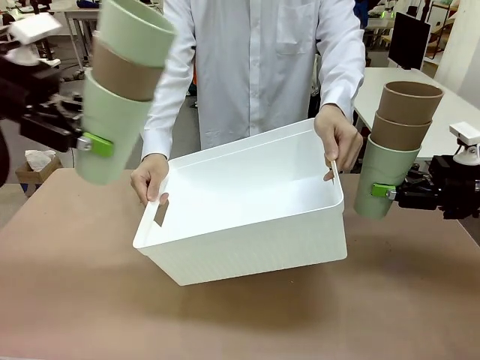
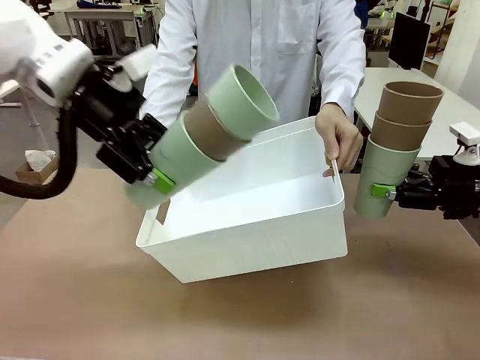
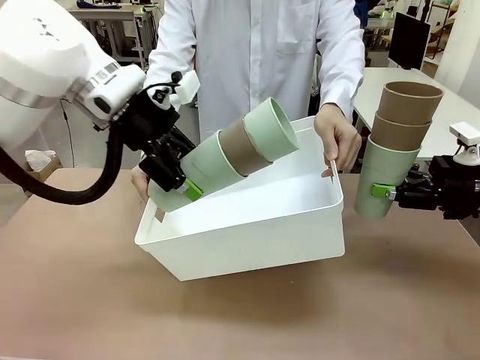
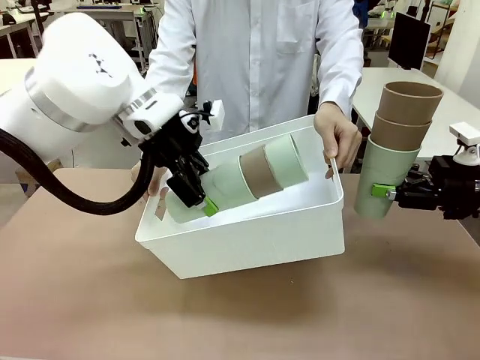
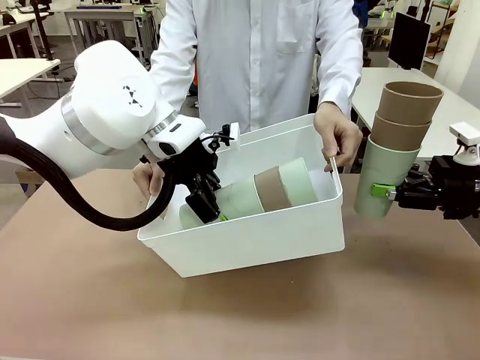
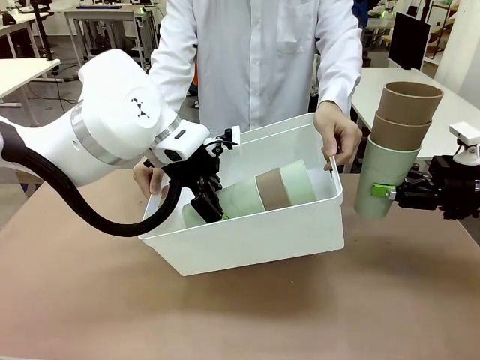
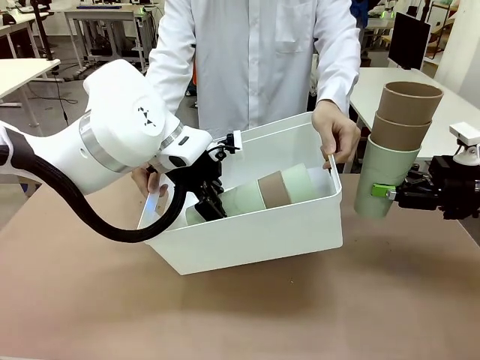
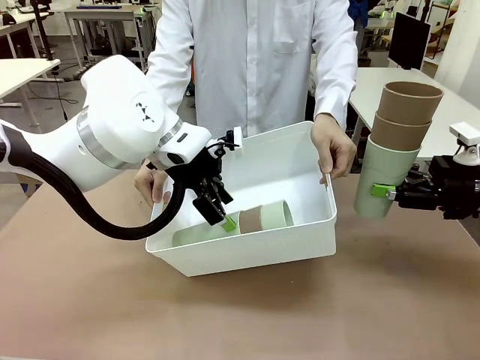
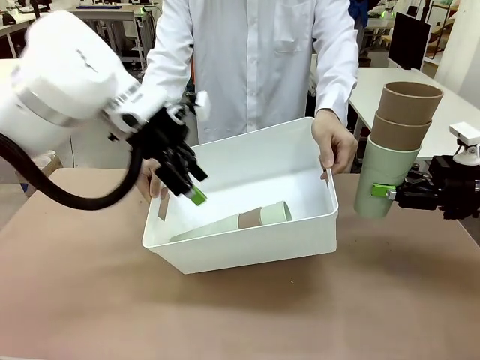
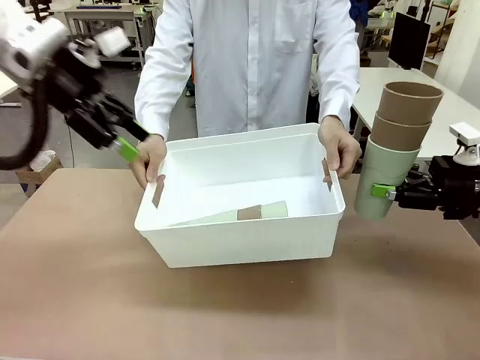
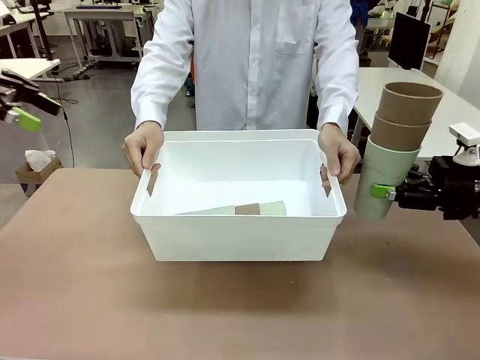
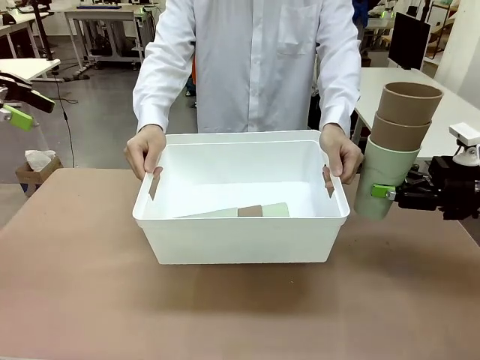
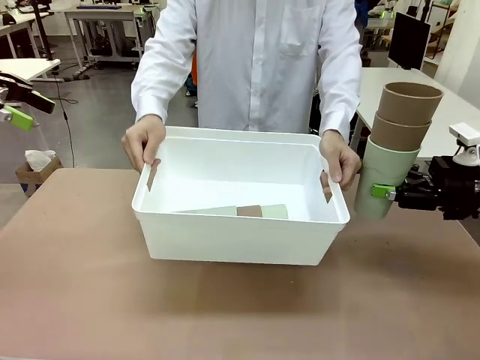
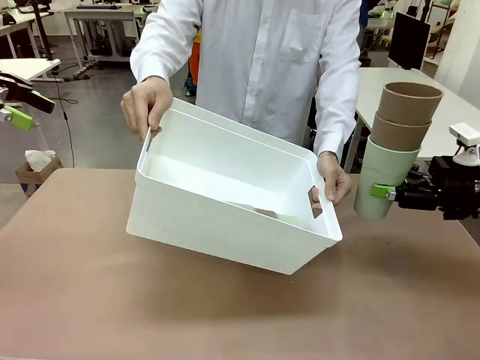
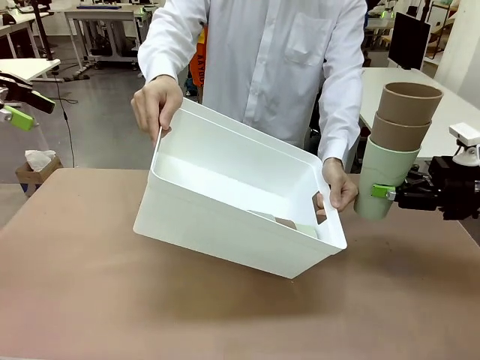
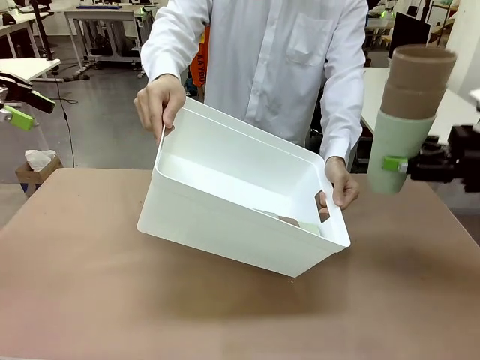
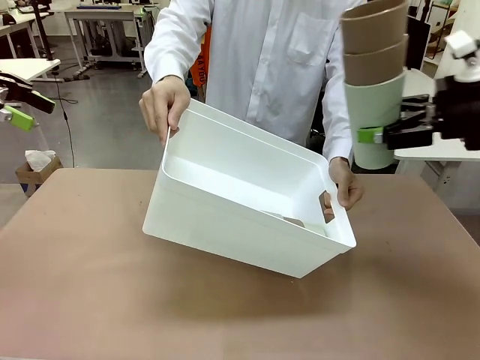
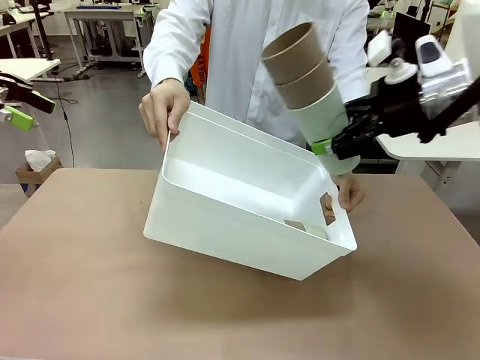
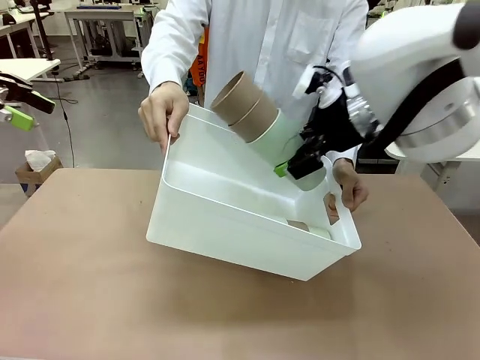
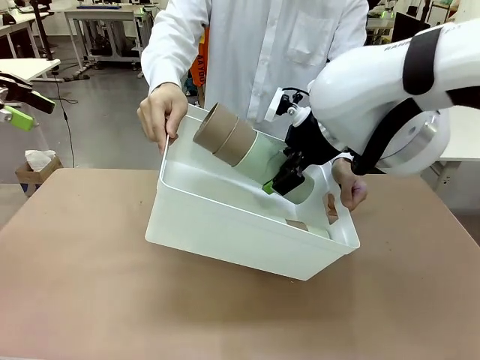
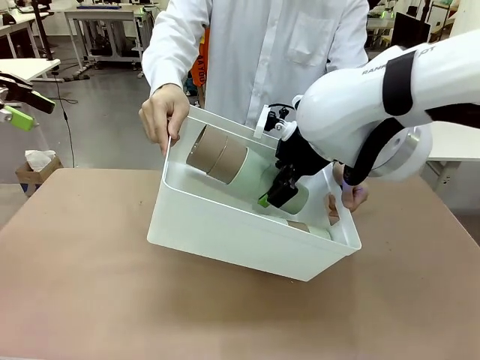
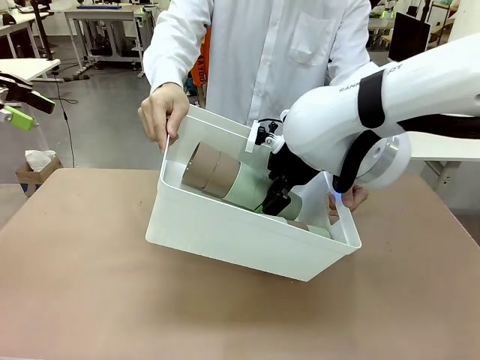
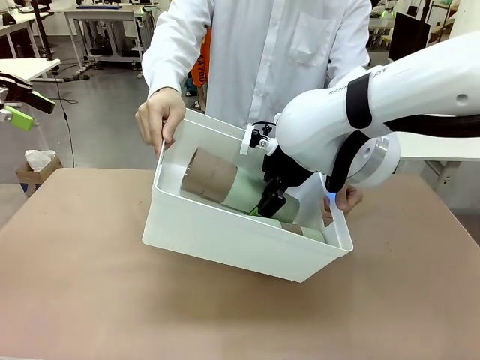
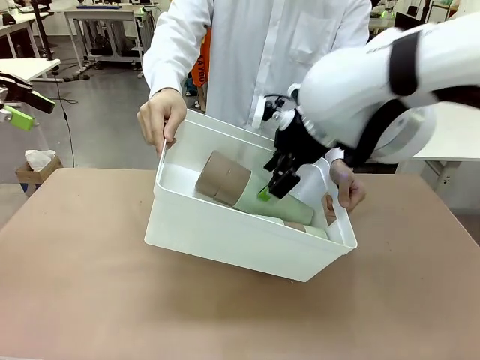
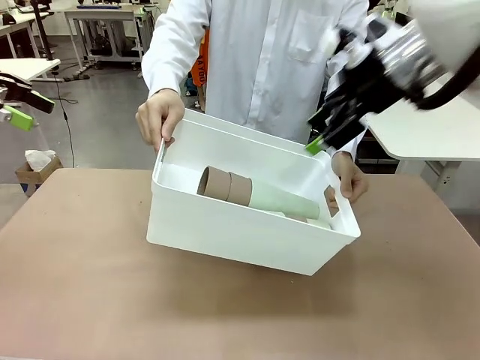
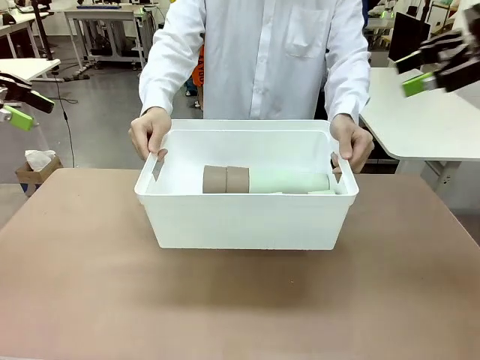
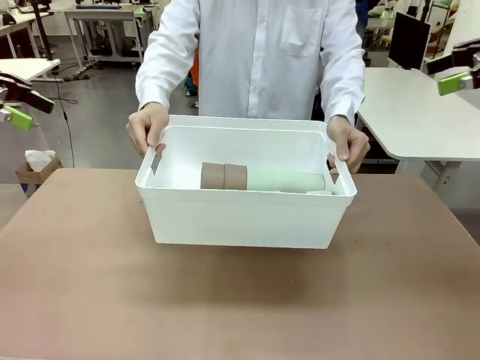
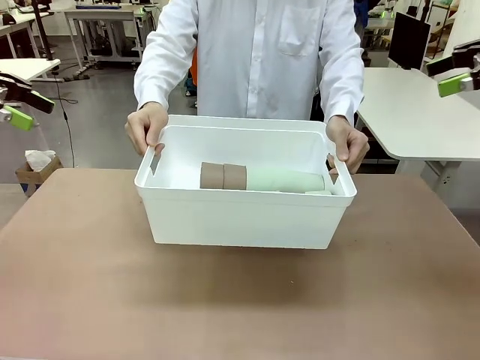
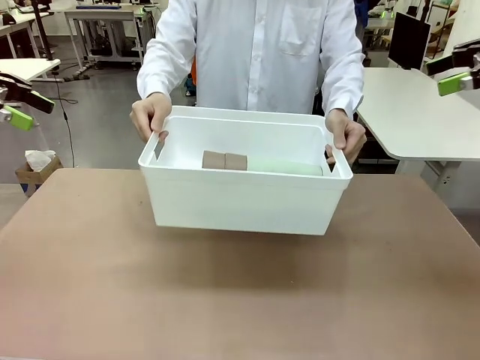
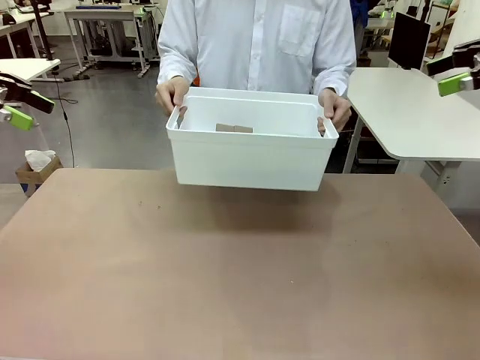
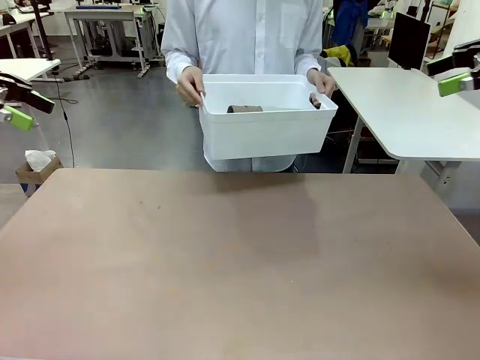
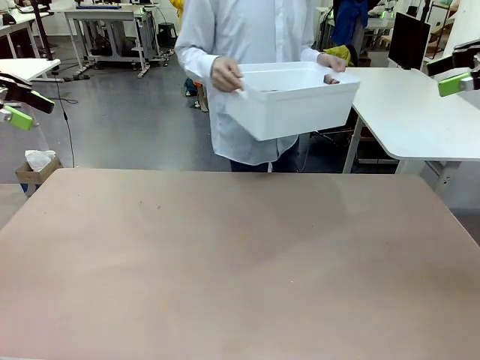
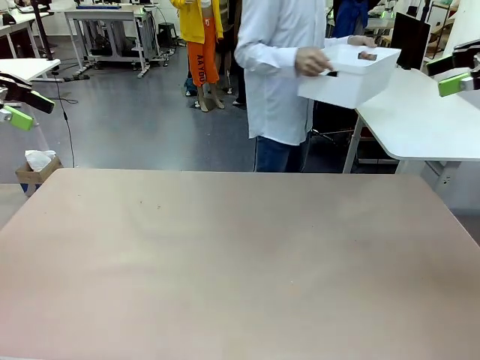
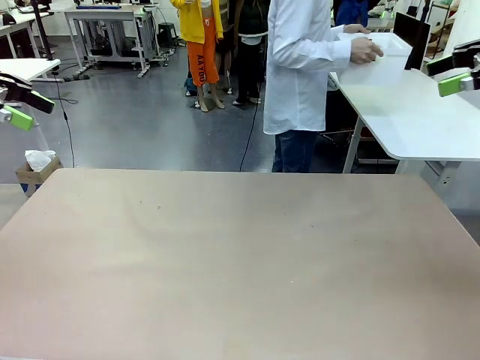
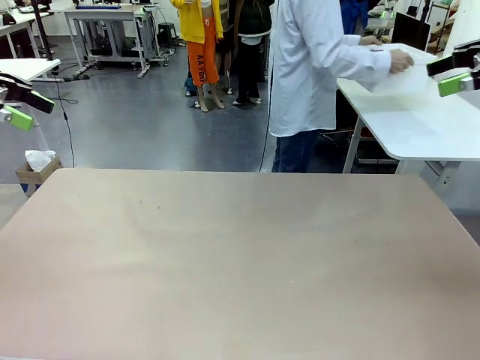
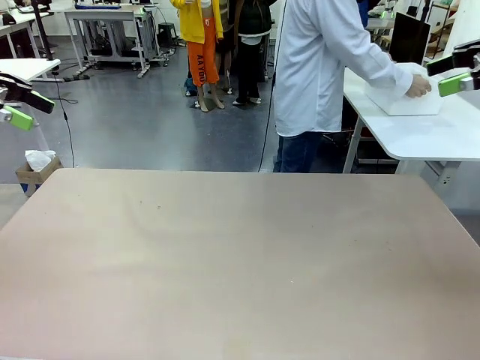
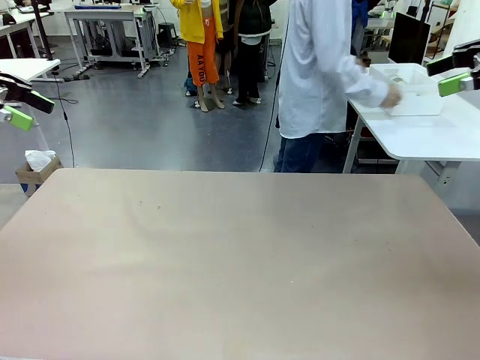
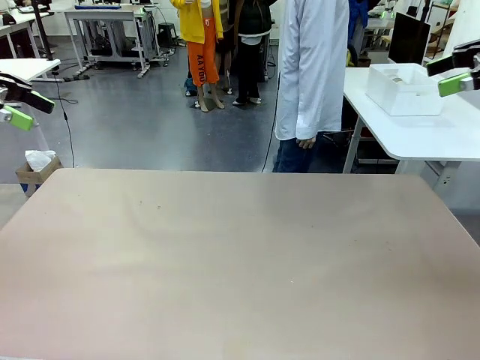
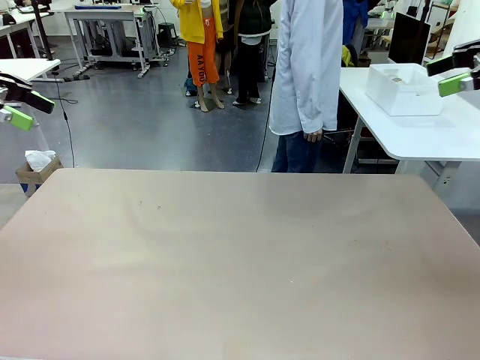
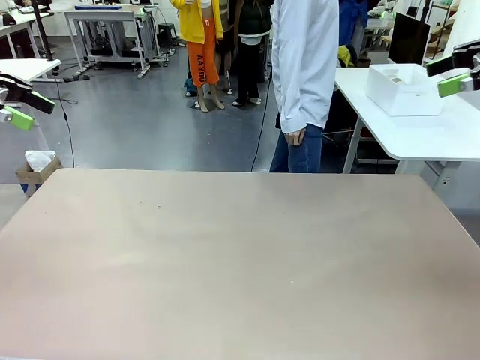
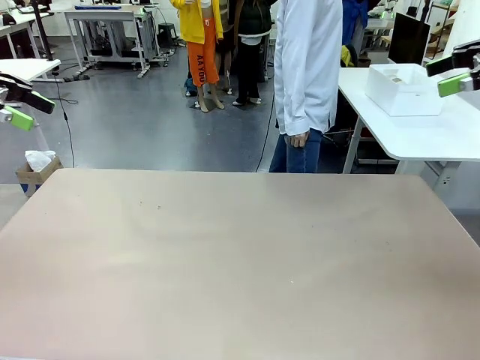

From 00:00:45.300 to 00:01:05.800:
Task: Stack the cups and store them in the basket.
Robot: Place the stack of Reusable plastic cups into the Pantry Basket.
Person: Place the basket containing the cups in the middle of the Human Table.
